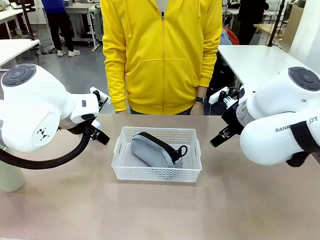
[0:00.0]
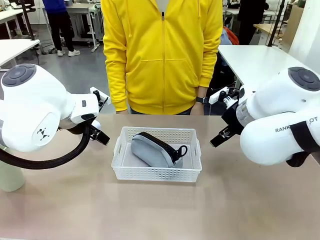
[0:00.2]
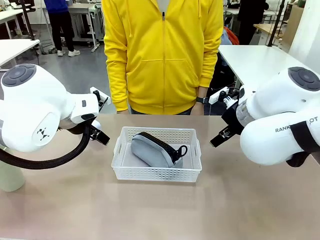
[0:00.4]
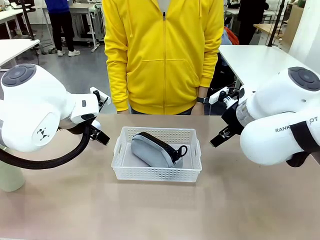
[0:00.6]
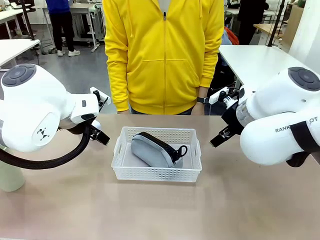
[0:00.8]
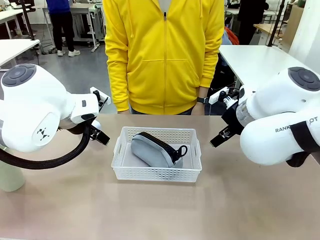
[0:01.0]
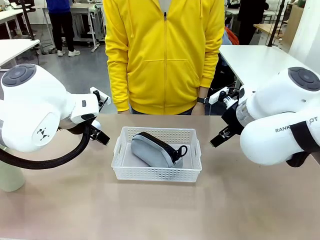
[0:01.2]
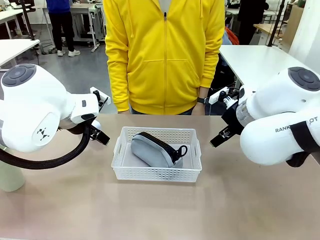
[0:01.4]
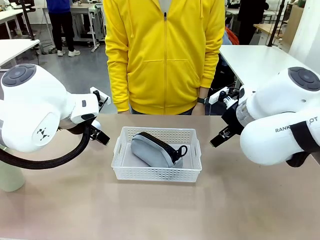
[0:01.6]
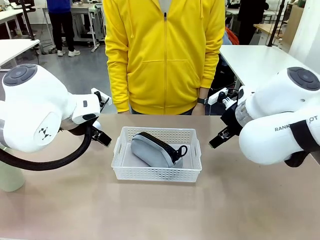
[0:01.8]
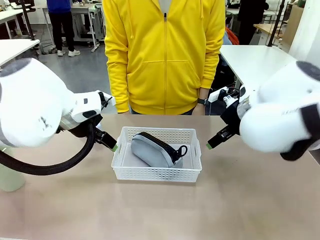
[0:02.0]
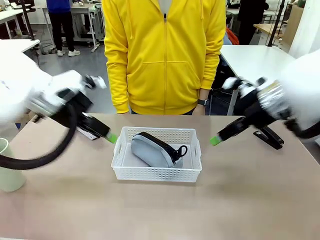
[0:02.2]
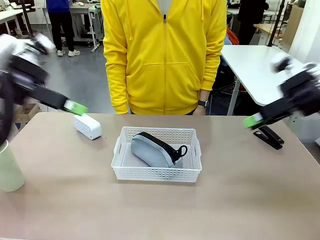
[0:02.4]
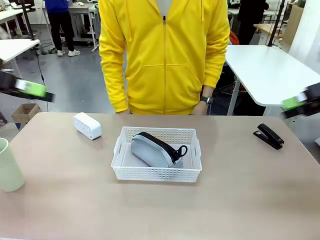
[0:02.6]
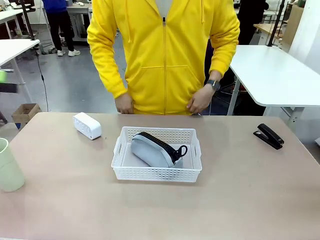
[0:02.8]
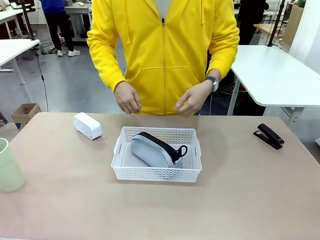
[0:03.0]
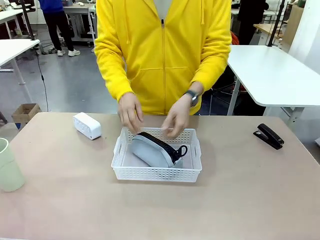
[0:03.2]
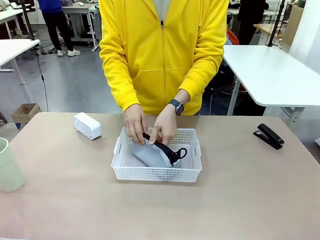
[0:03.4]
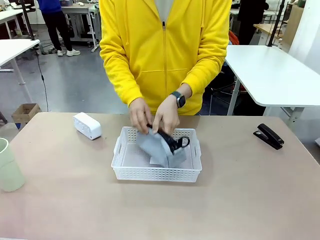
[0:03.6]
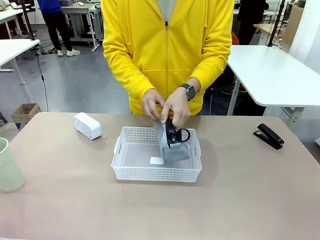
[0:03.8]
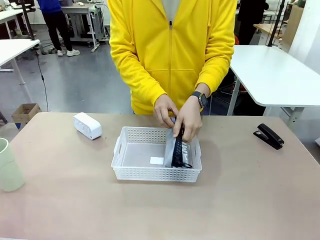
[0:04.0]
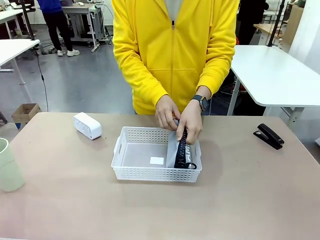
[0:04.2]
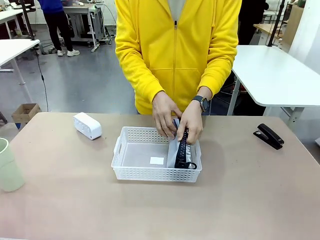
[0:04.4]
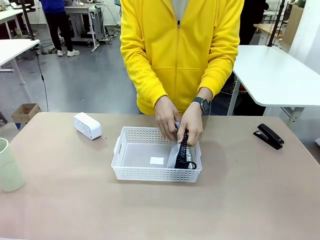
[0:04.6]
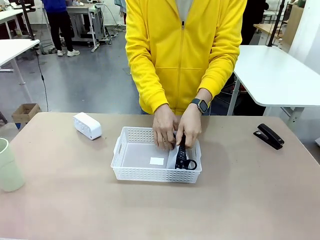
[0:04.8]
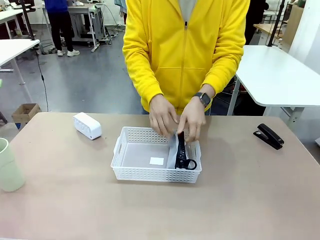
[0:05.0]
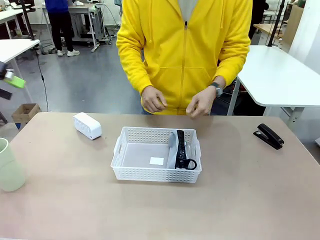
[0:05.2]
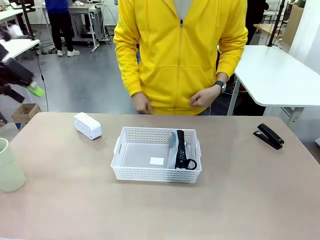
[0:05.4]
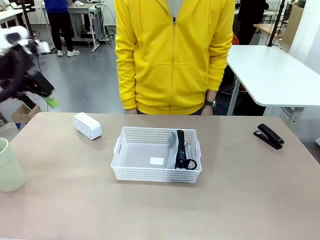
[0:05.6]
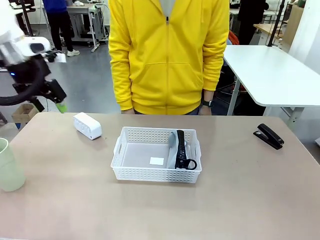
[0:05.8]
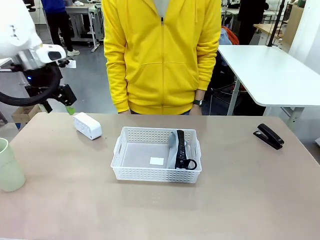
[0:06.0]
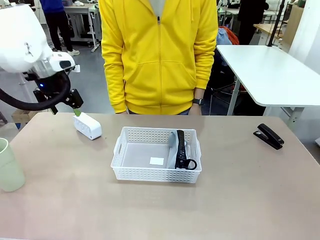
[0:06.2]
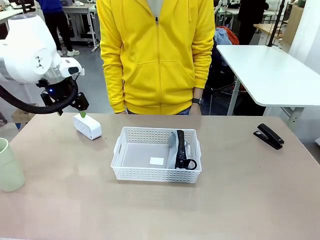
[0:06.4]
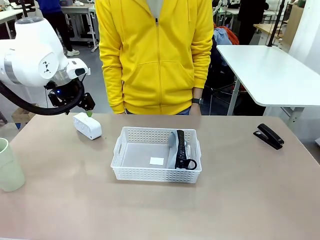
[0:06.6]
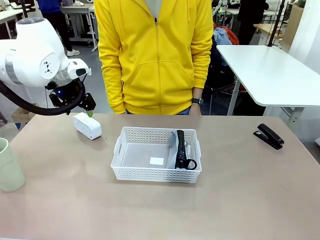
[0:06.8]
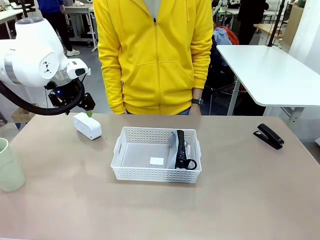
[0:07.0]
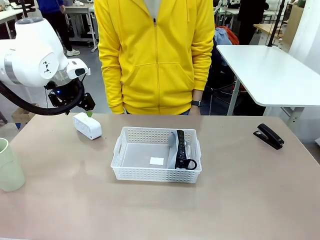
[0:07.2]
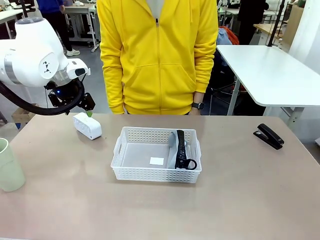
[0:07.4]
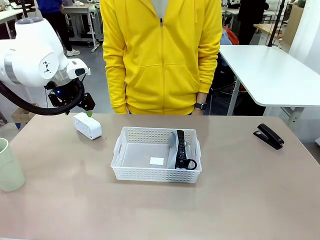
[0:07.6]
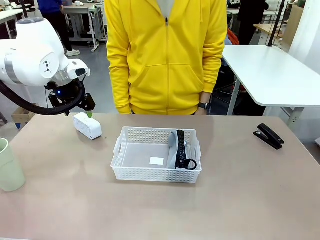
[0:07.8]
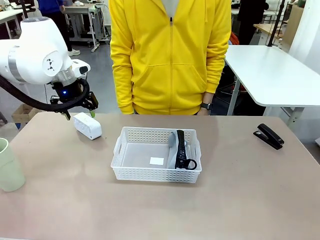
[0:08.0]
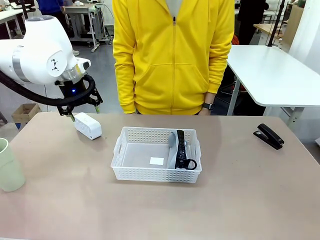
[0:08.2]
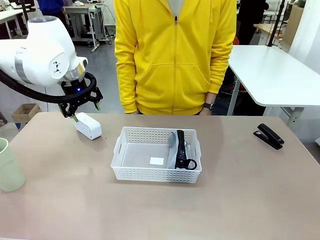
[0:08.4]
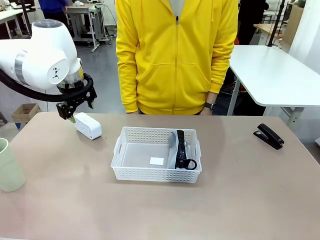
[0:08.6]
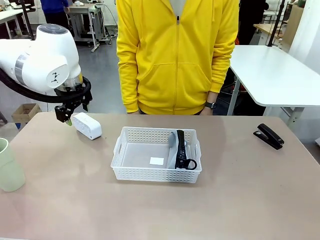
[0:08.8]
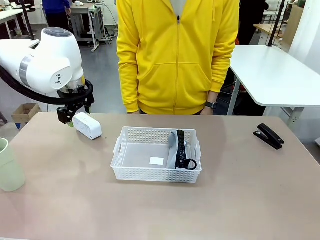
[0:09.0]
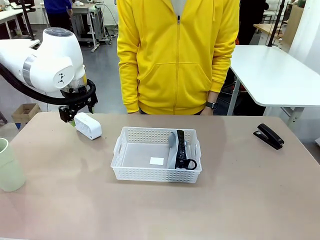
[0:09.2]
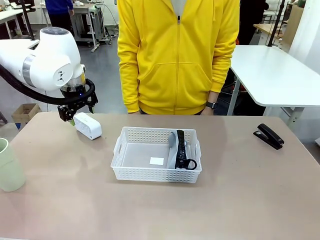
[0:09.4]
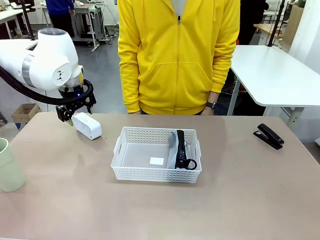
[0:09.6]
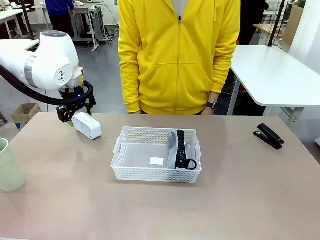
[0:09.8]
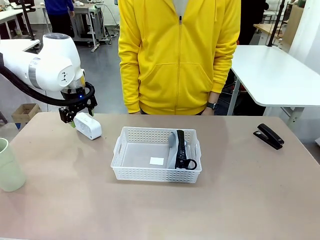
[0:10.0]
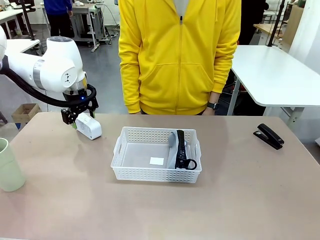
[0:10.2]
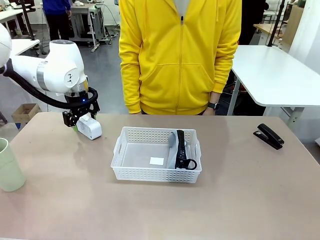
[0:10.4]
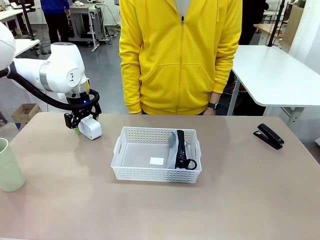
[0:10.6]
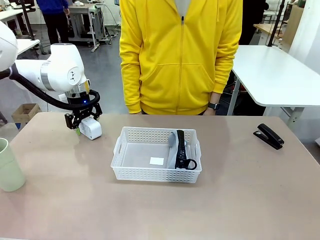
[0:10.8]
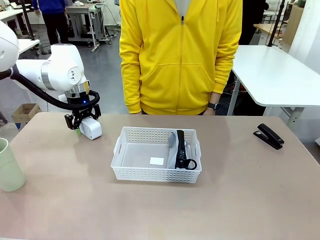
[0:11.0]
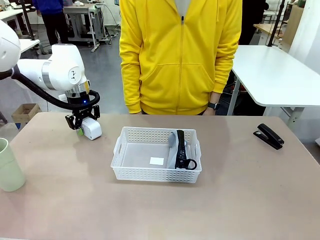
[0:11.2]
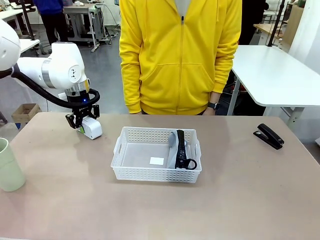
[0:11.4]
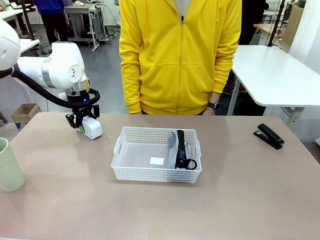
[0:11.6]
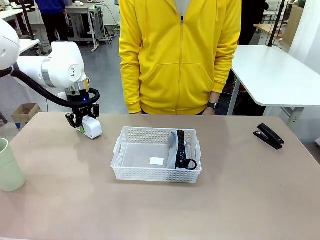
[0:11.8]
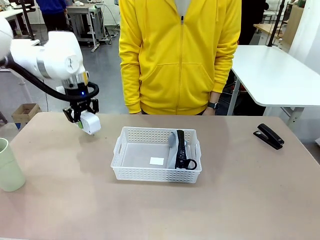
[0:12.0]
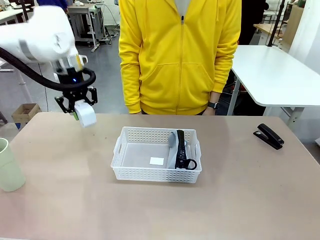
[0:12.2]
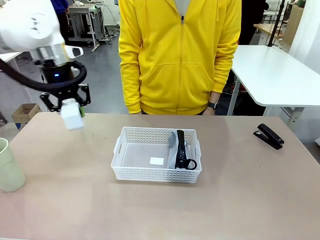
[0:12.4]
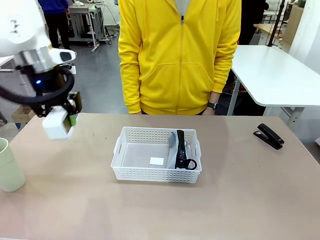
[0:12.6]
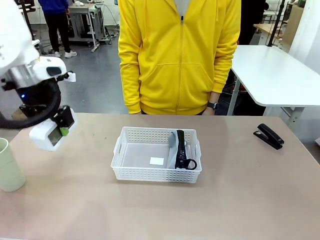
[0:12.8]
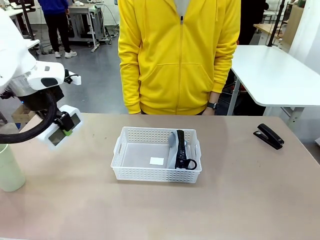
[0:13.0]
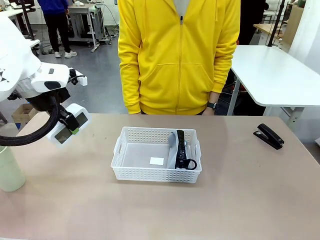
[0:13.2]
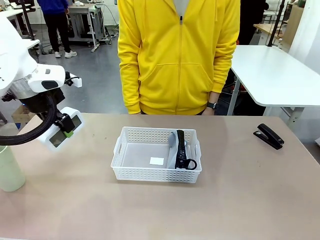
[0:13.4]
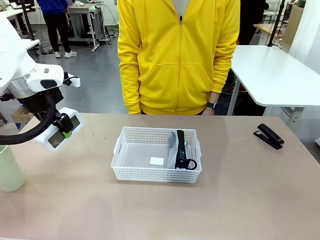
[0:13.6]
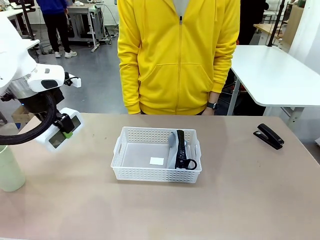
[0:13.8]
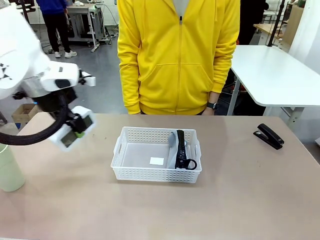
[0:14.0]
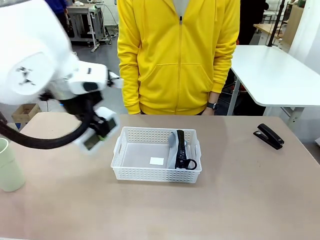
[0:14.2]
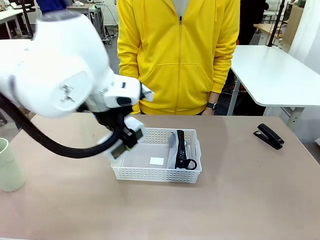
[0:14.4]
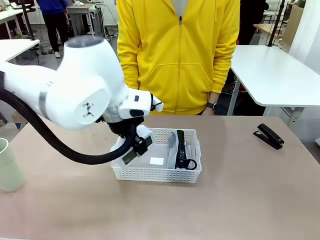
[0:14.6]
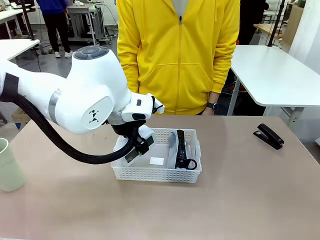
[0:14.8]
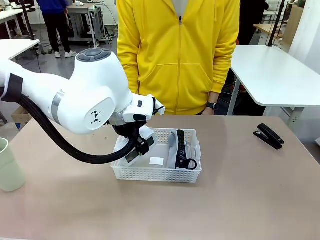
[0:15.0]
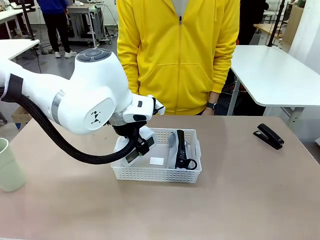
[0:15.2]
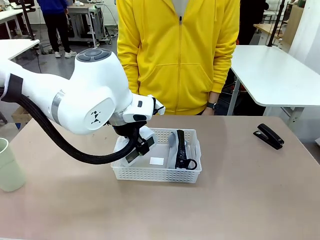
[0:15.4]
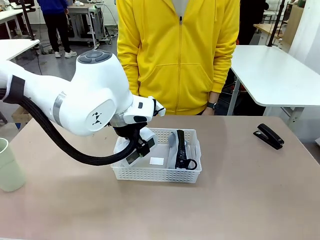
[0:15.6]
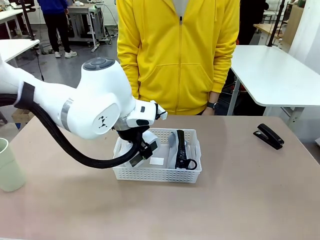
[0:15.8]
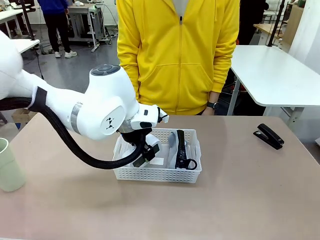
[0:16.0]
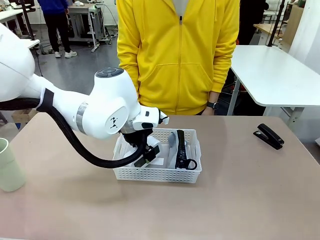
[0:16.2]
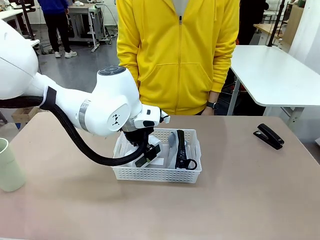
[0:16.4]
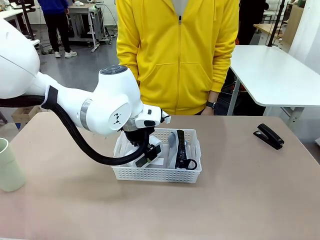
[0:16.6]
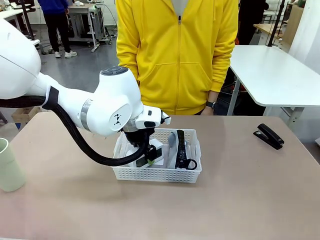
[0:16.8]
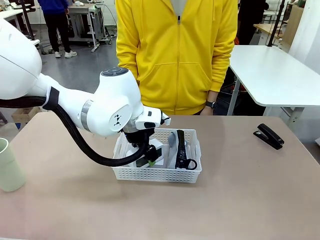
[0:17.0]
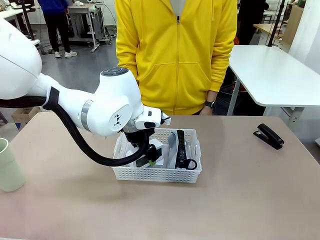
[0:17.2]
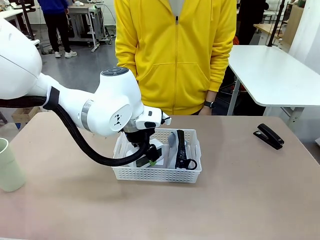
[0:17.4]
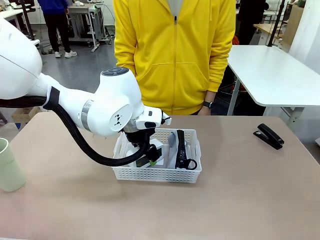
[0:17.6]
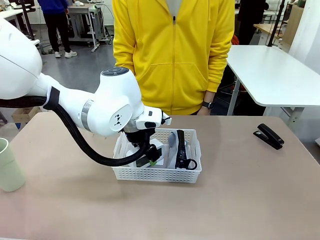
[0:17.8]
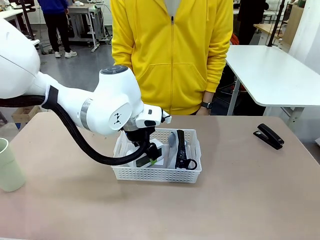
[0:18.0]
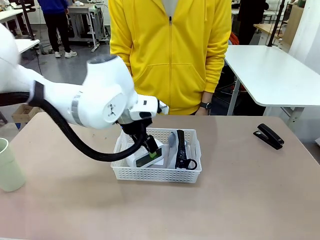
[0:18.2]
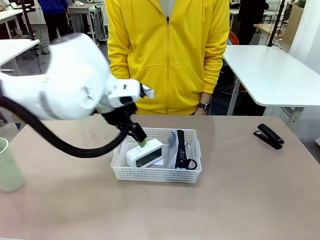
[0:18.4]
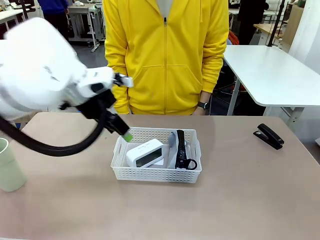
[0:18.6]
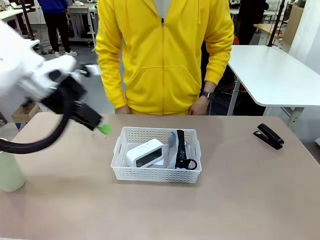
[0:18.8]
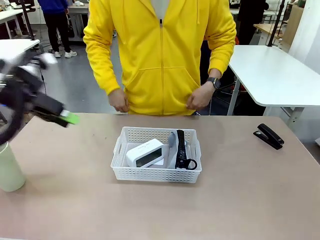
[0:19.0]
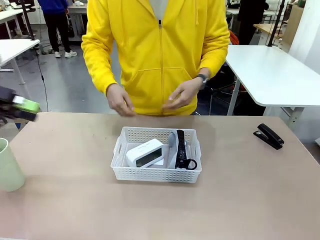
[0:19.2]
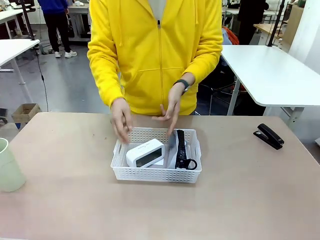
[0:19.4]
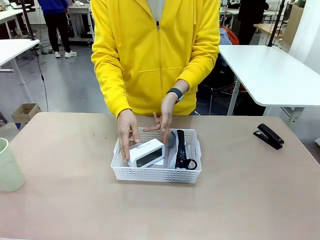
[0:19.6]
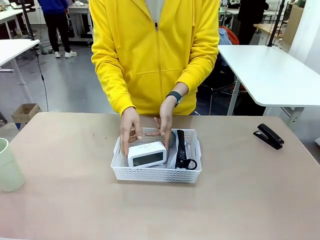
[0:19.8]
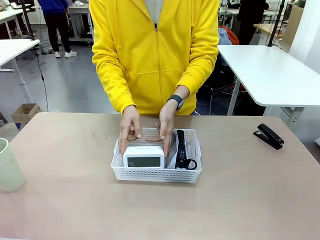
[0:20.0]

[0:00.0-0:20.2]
Task: Efficiently arrange items inside the basket to fit them all.
Robot: Pick up the Digital clock and place it inside the Organizing basket.
Person: Repositions the pencil case. Repositions the digital clock.
